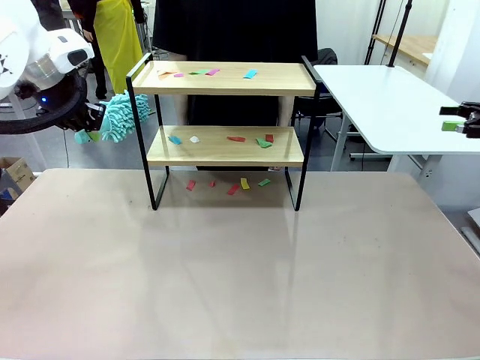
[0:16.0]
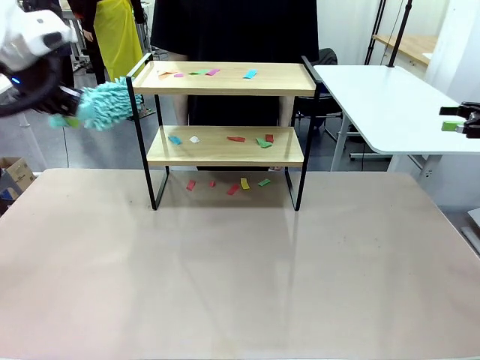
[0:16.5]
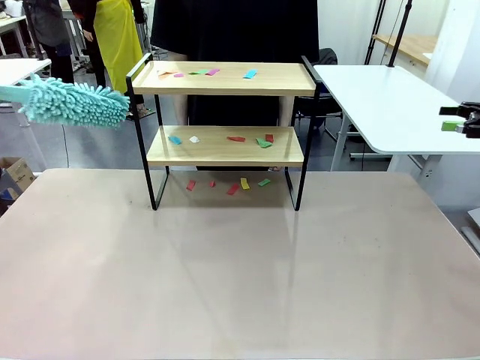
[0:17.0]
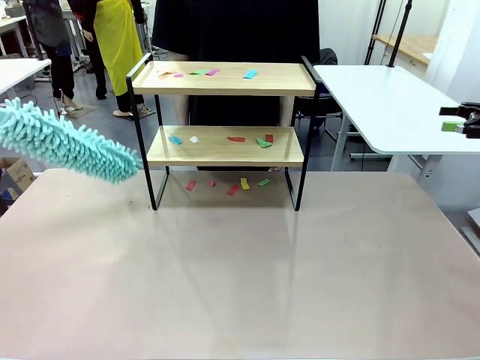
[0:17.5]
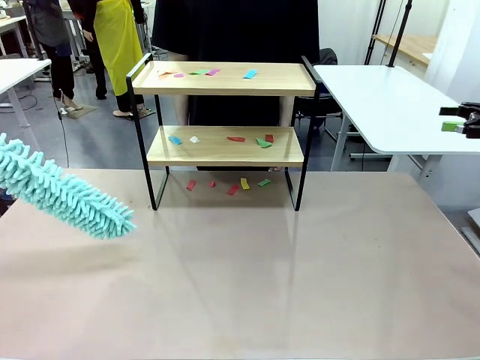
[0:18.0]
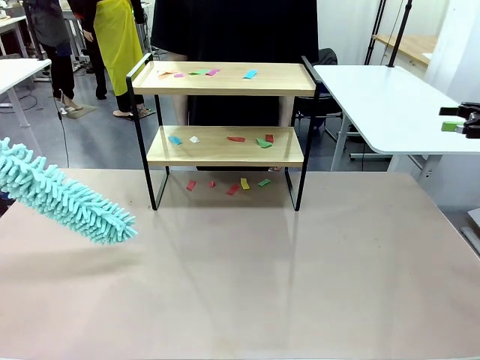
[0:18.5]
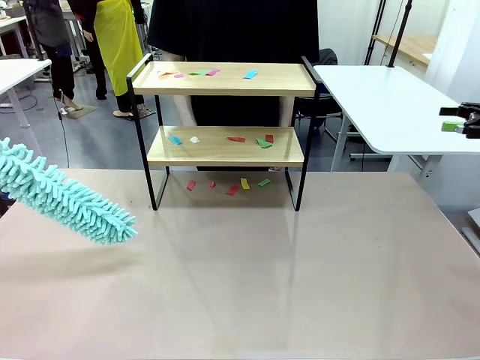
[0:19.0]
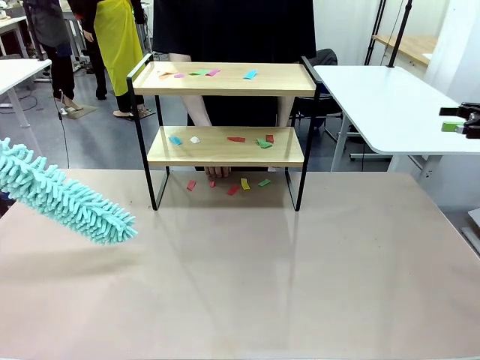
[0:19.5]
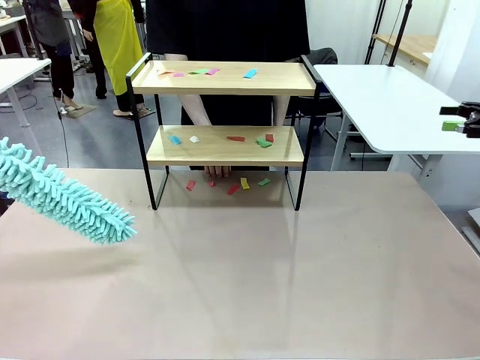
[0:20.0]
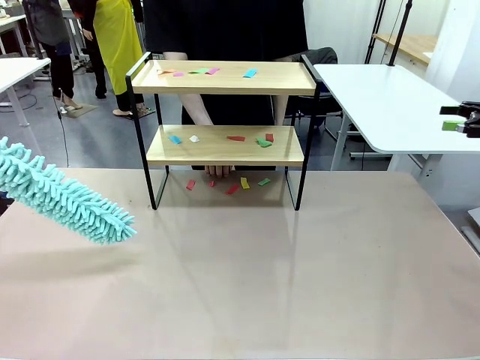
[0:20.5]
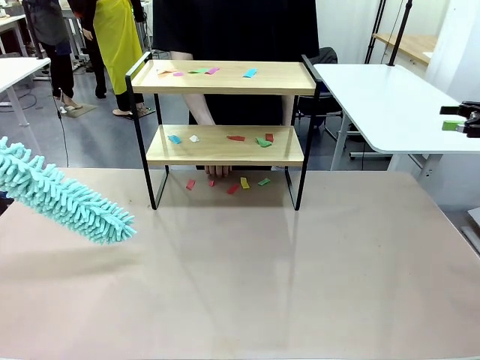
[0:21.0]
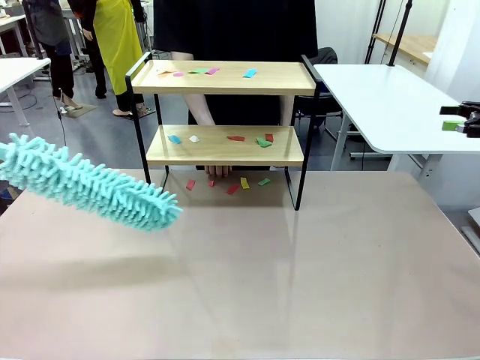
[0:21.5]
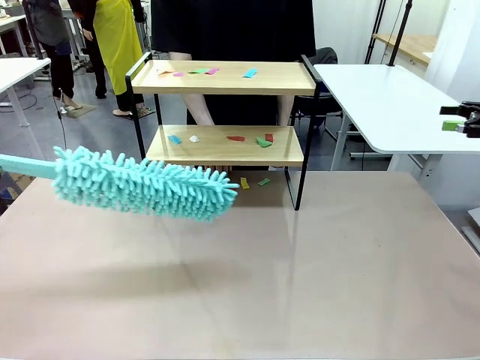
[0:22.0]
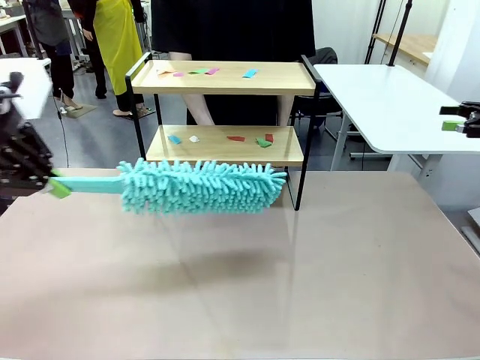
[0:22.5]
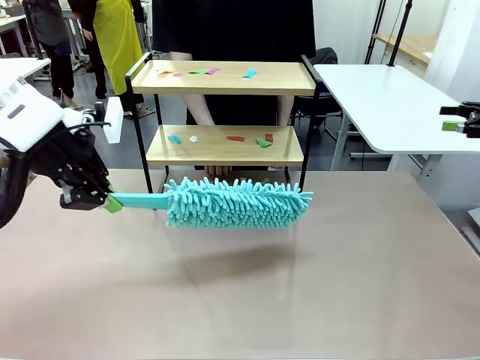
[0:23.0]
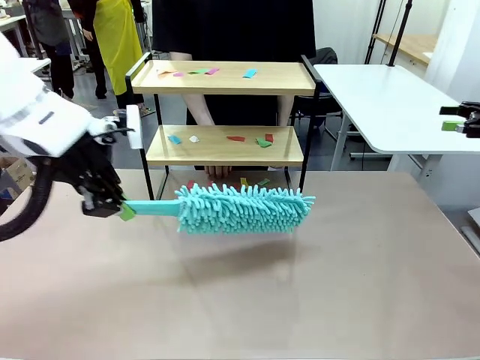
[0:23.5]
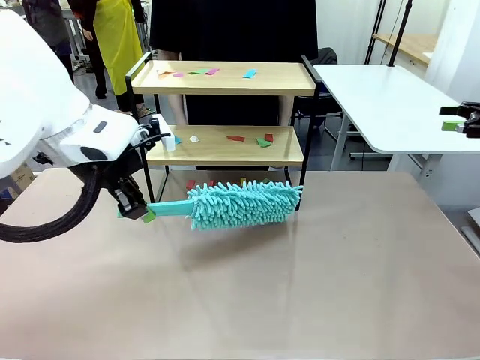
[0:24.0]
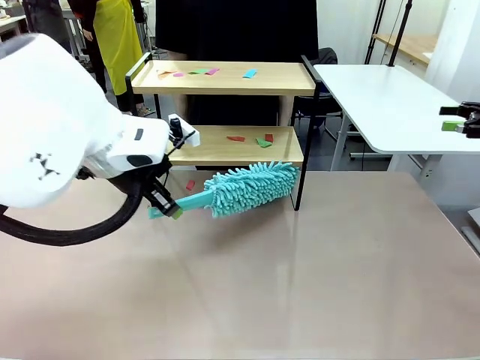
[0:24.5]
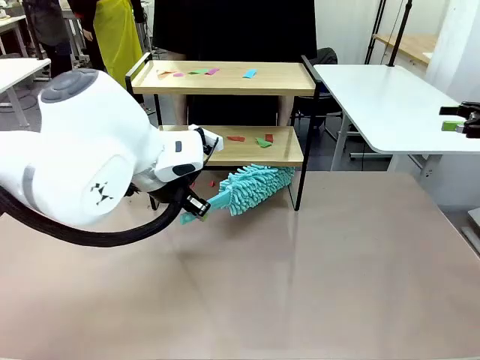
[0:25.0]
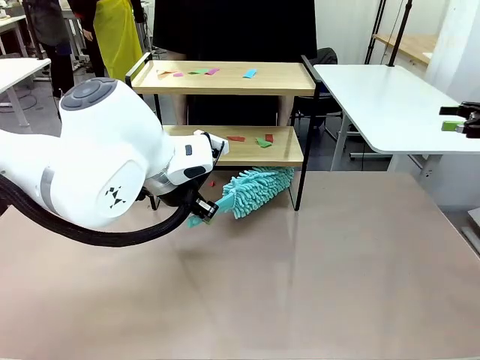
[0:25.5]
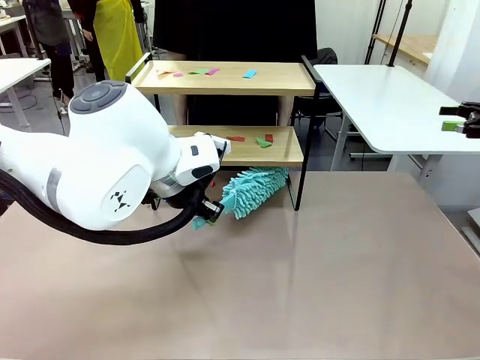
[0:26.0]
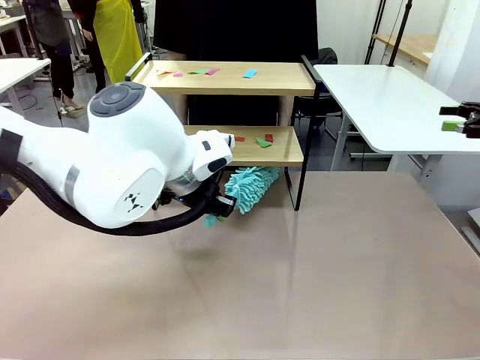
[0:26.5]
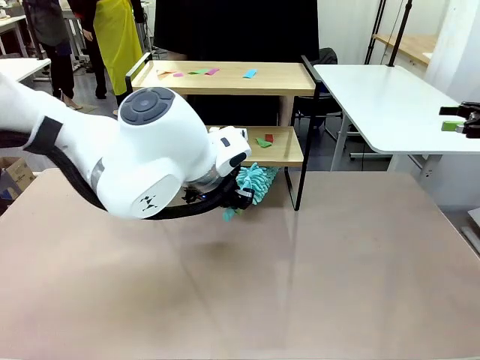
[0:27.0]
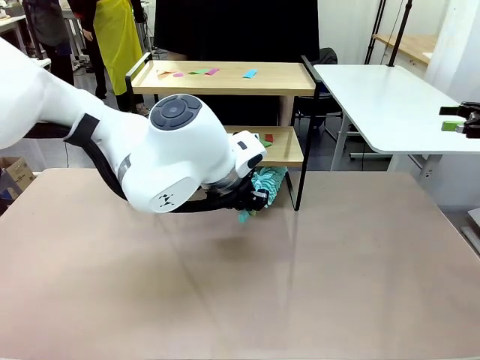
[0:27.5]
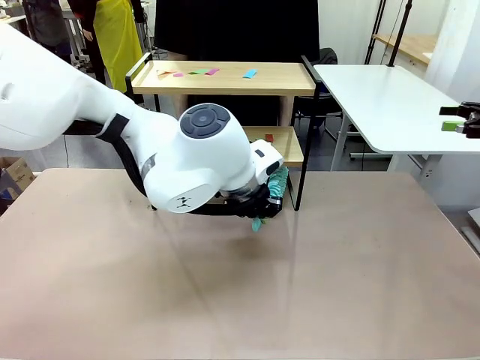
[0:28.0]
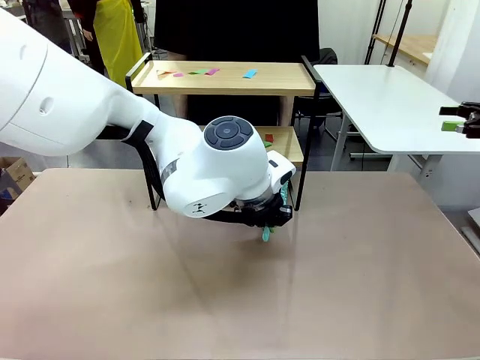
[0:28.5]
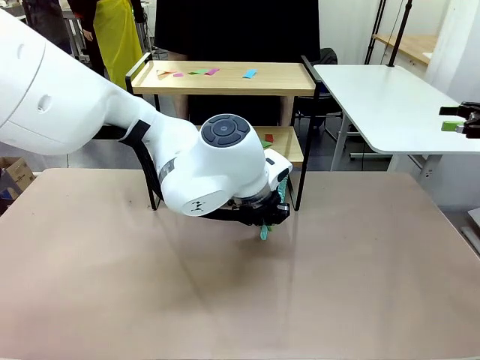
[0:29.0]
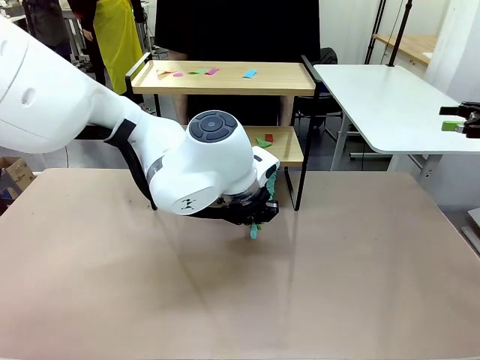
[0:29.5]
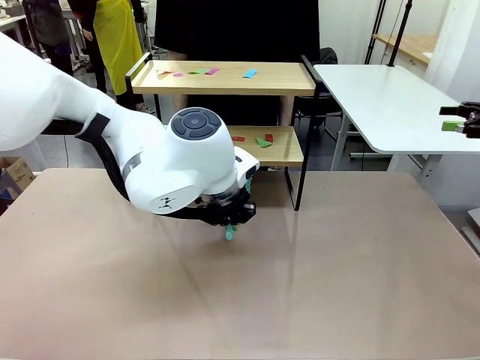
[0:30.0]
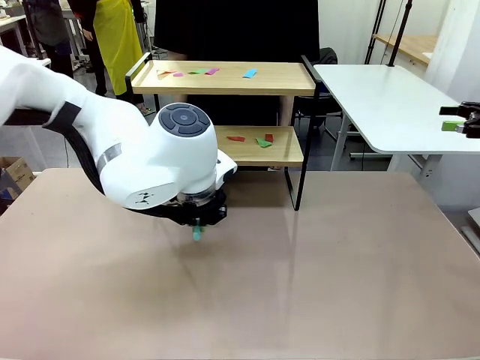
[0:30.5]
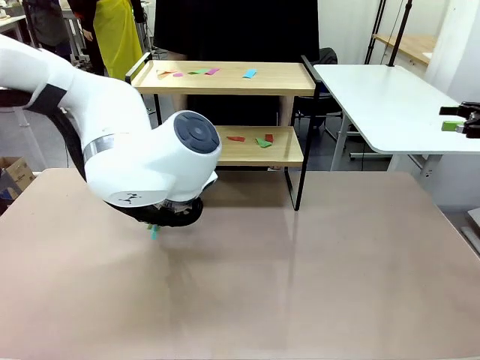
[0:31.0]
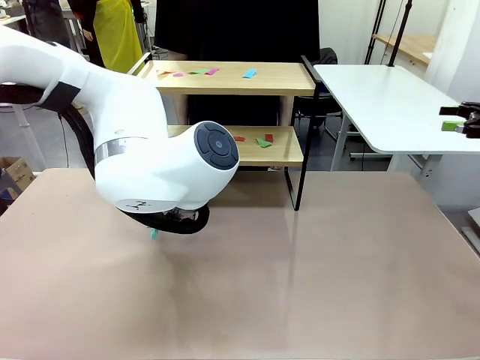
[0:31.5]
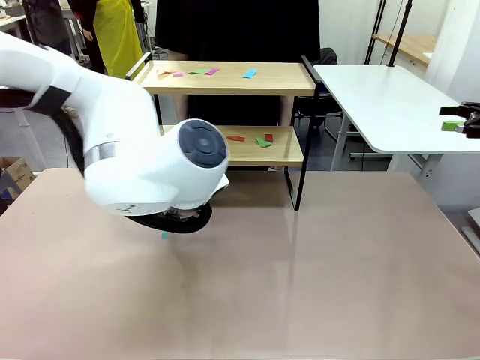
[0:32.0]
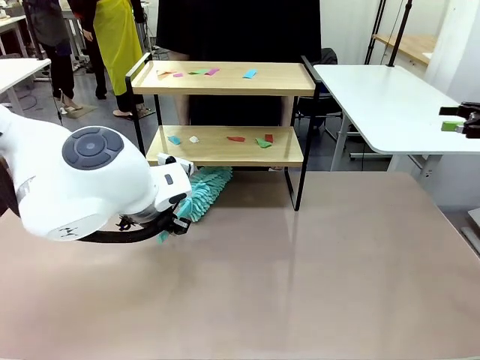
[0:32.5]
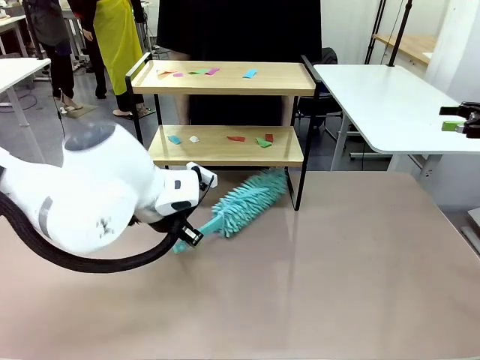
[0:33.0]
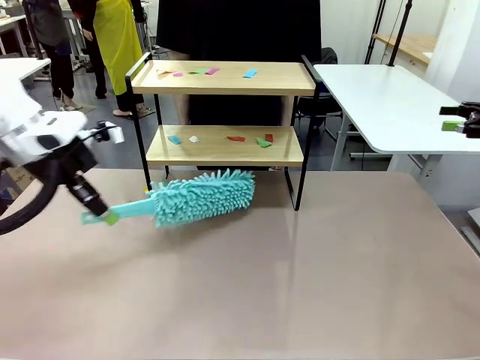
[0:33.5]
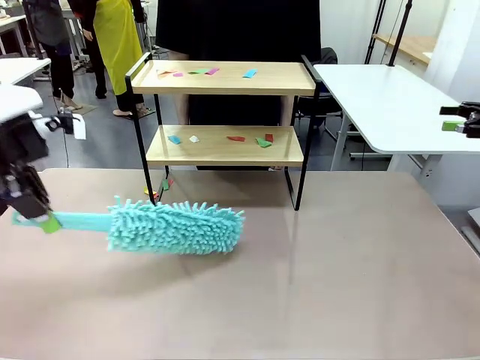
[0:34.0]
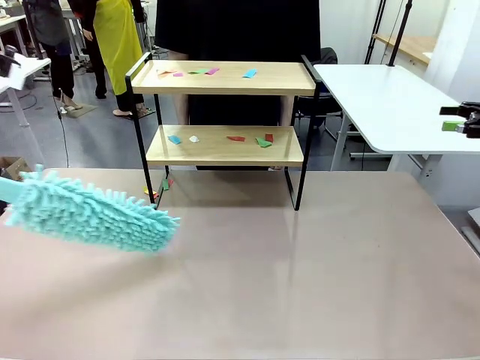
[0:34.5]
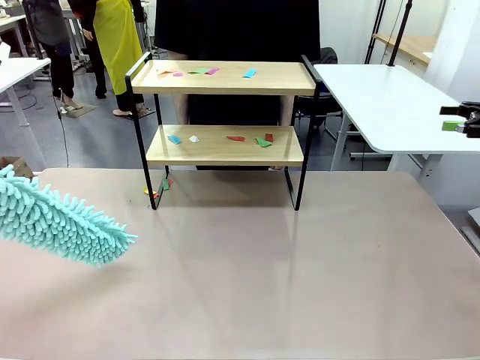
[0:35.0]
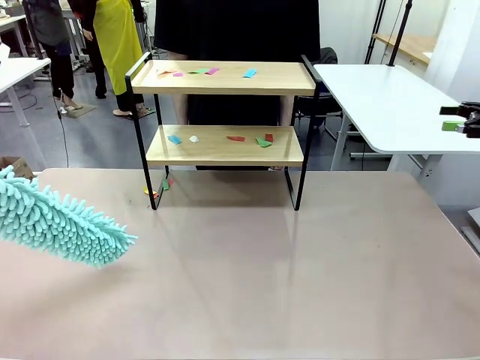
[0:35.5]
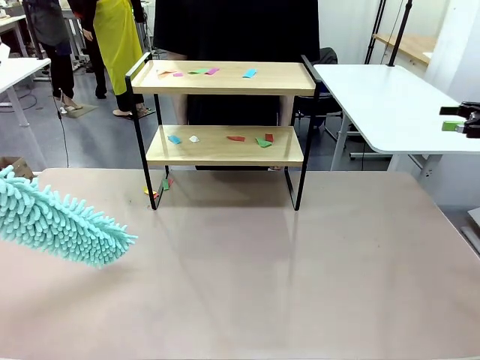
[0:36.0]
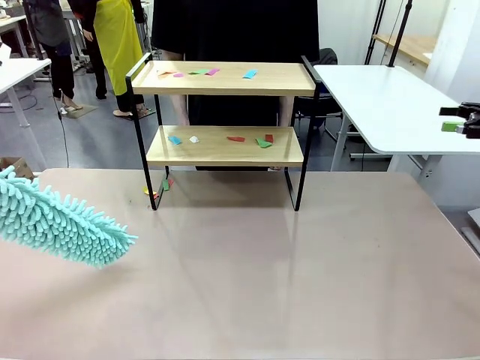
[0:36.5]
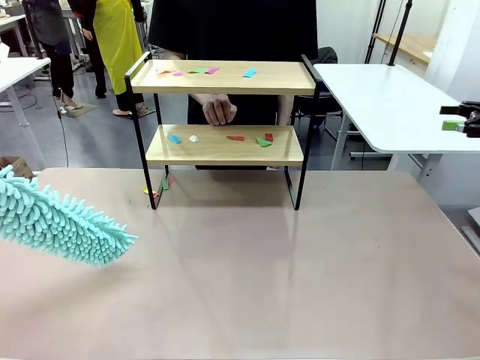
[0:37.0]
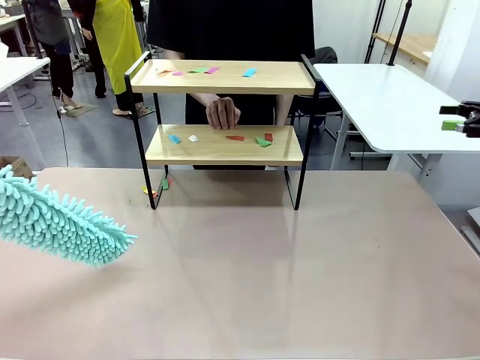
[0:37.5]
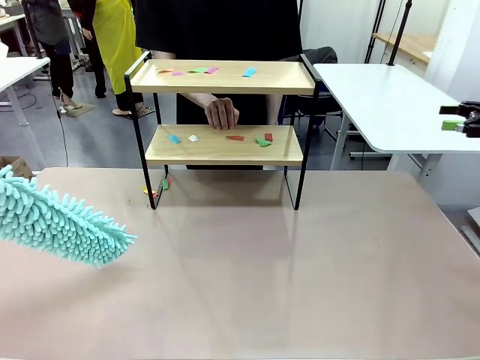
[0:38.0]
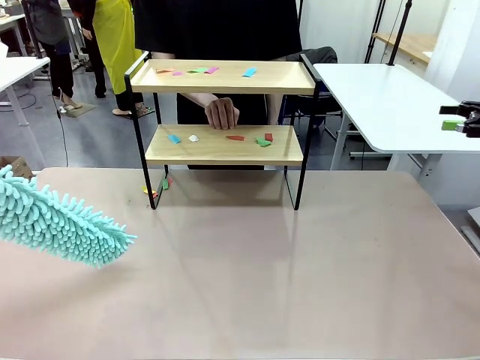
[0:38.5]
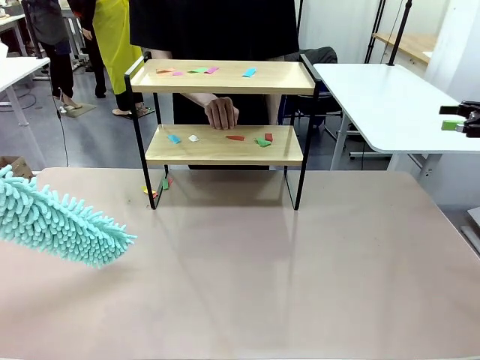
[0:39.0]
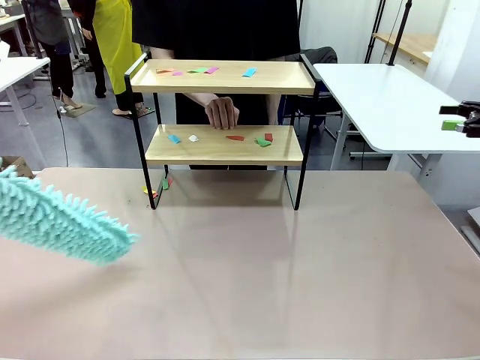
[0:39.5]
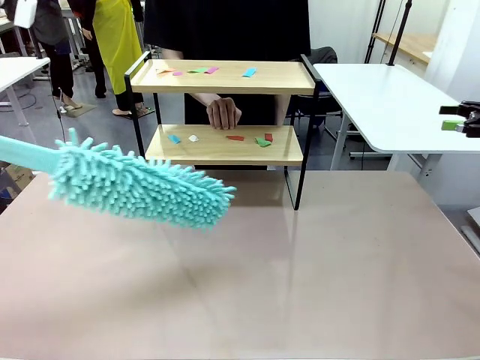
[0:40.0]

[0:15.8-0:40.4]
Task: Clean the shelf.
Robot: Clean the specific section of the Shelf indicated by the human with the Duster.
Person: Point a random section of the Shelf.
